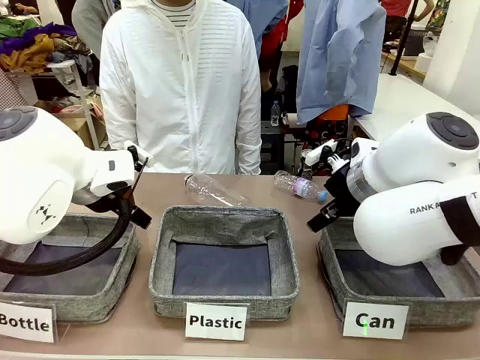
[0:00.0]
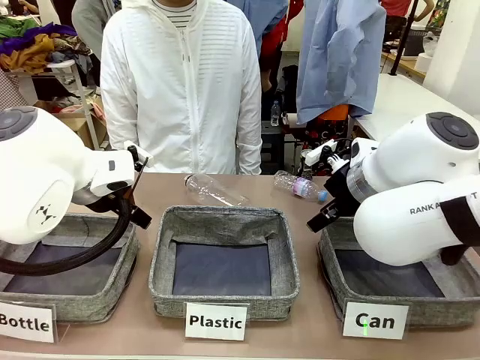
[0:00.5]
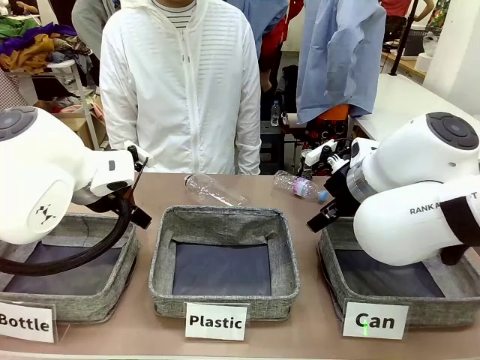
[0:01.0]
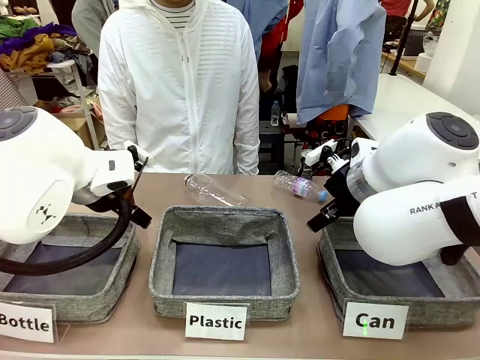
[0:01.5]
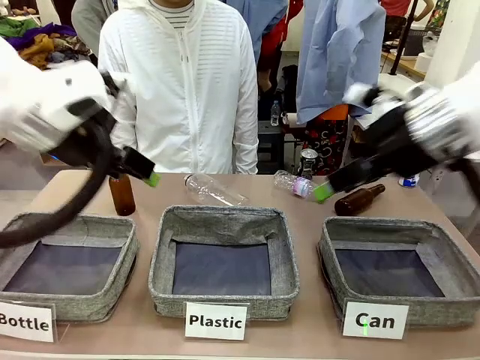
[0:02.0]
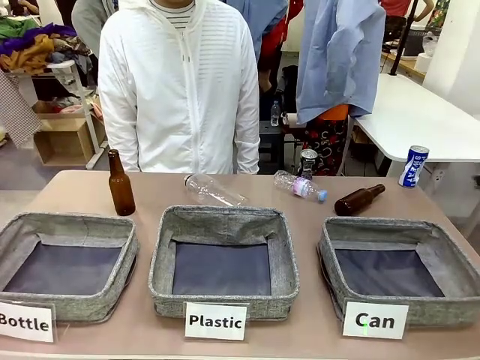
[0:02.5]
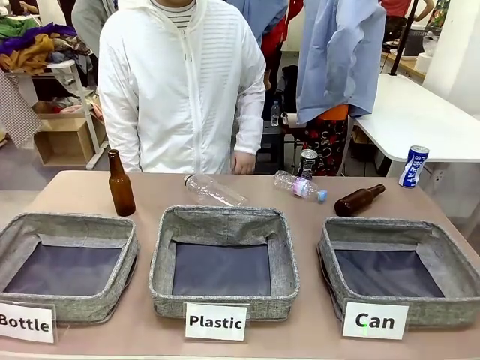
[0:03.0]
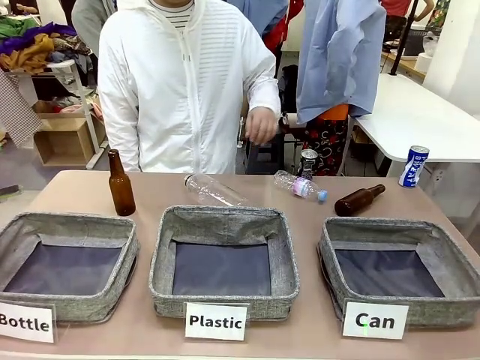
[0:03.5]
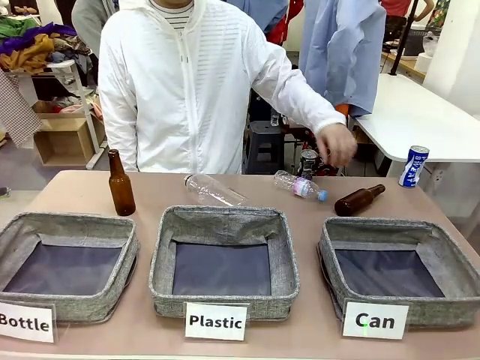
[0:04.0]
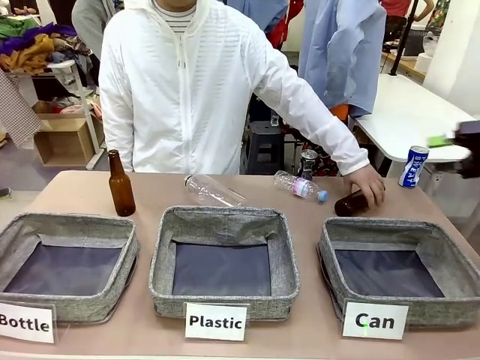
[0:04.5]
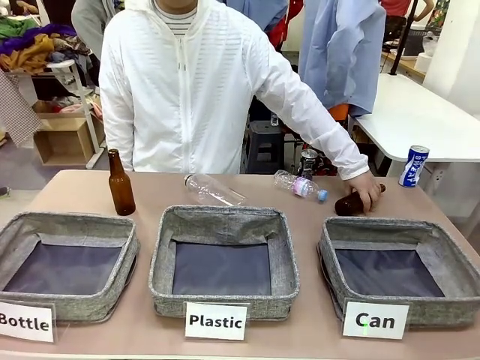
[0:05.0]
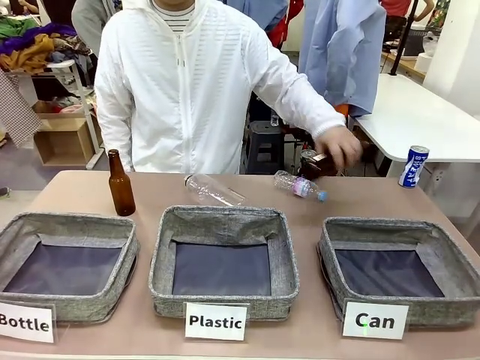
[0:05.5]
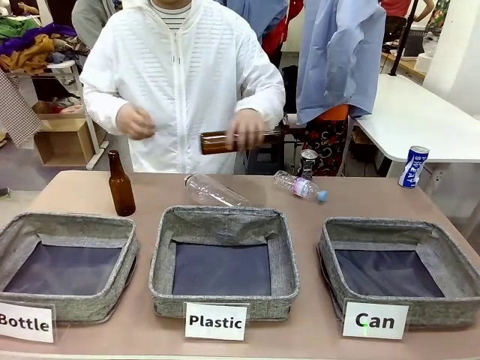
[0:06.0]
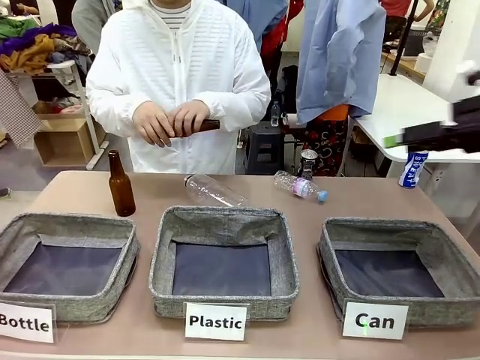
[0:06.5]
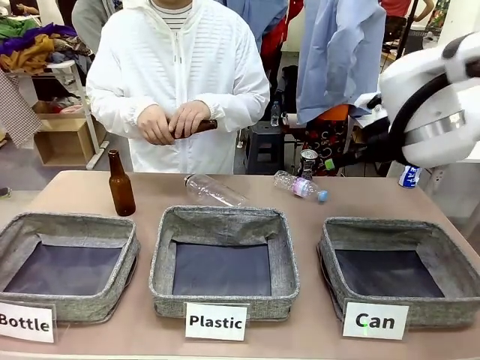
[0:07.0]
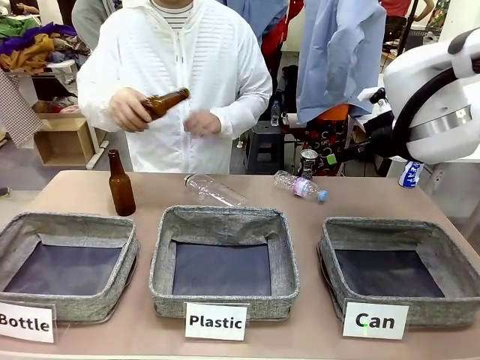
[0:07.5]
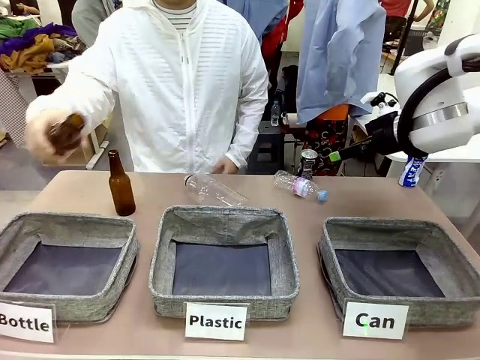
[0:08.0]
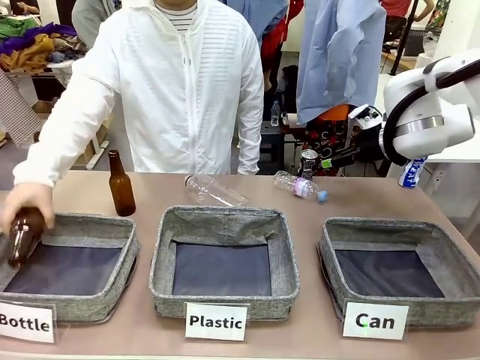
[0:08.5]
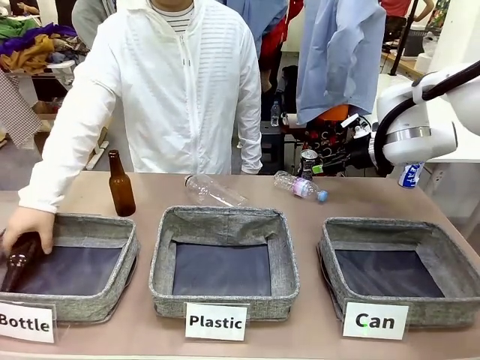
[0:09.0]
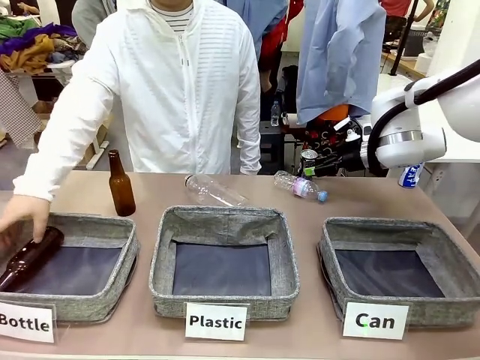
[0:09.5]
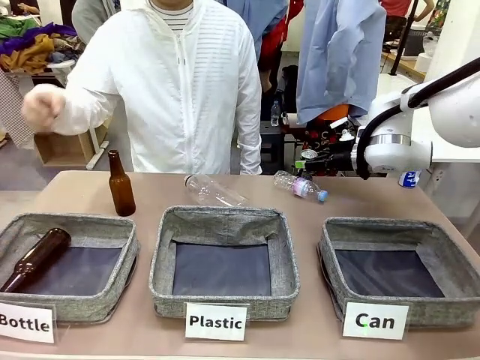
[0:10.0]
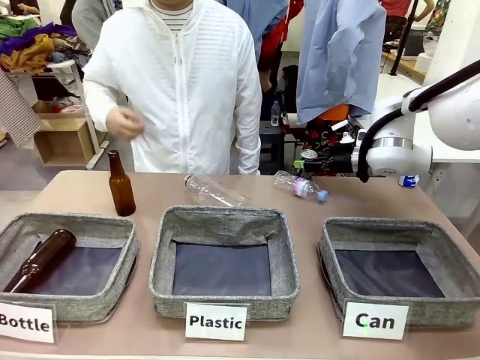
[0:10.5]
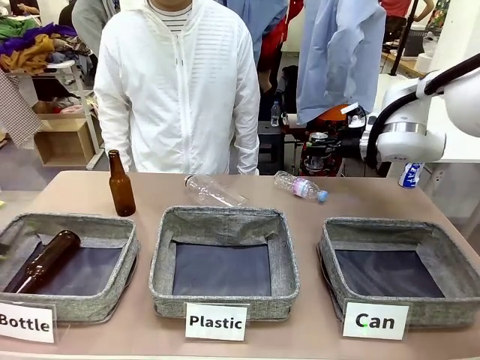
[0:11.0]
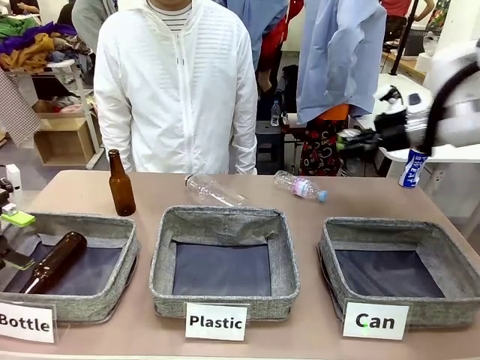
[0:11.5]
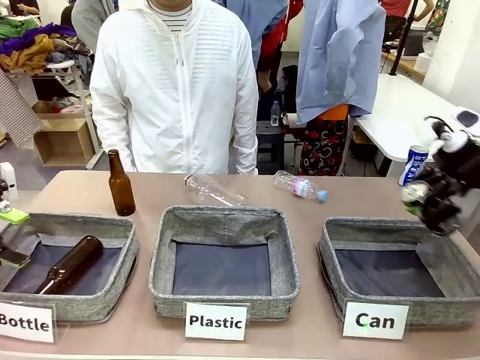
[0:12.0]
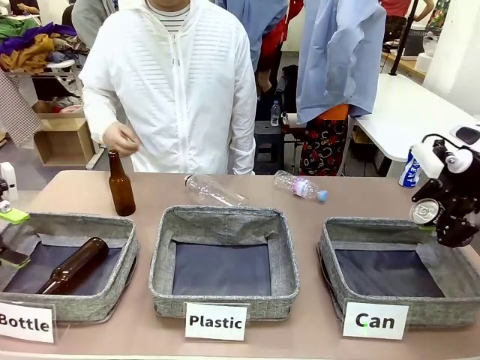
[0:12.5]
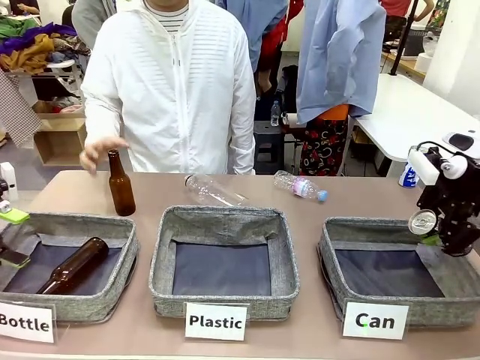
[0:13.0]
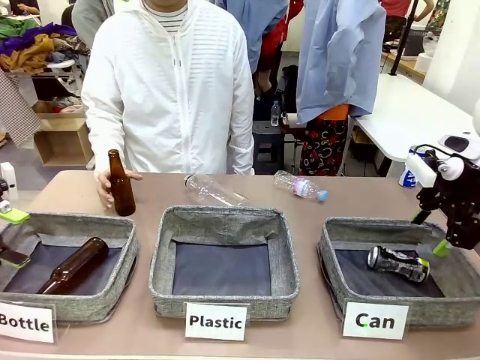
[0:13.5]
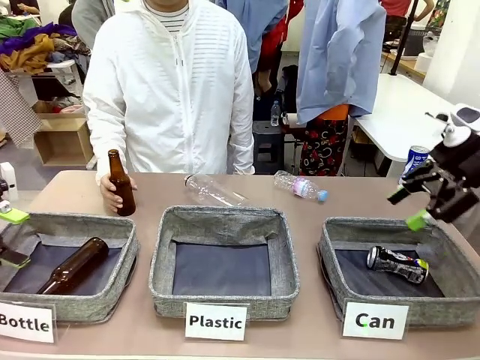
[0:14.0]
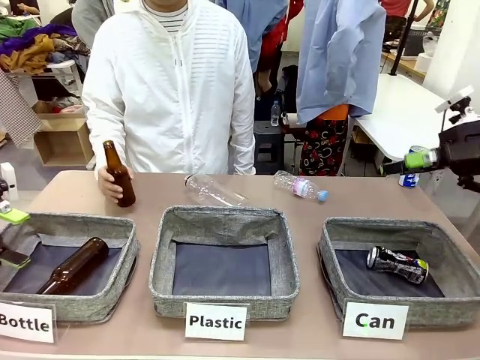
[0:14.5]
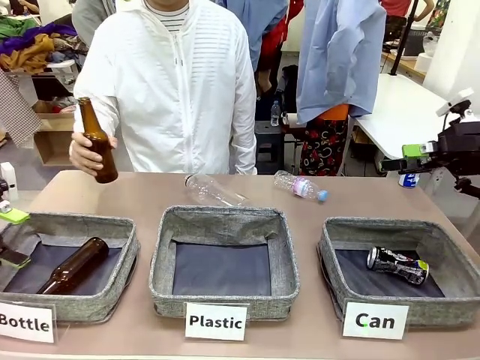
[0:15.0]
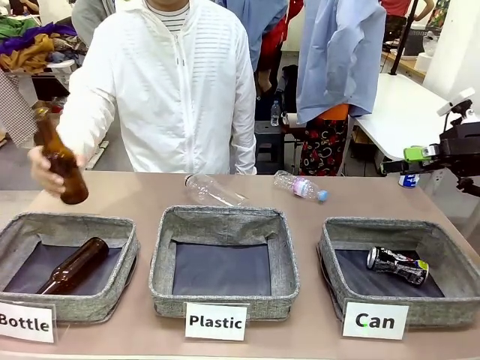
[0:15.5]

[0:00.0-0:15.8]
Task: Sort the can waste into the basket.
Robot: Pick up the can waste from the table and place it in the right Fabric basket.

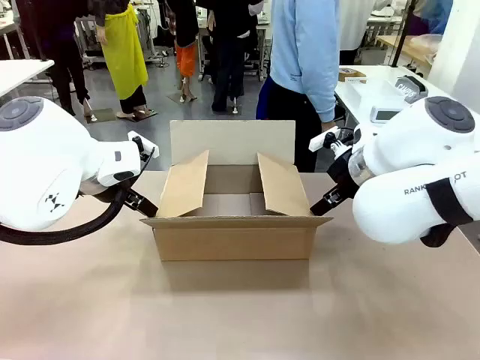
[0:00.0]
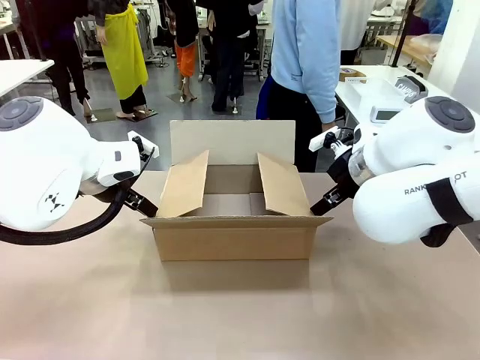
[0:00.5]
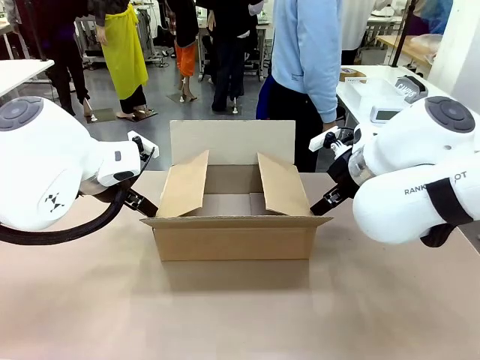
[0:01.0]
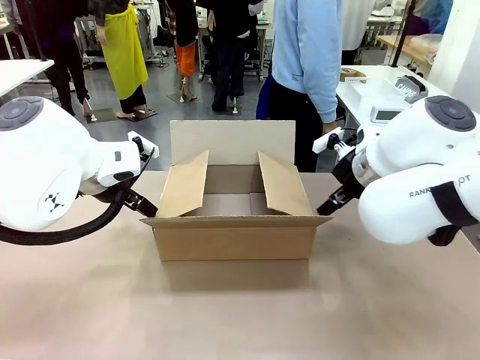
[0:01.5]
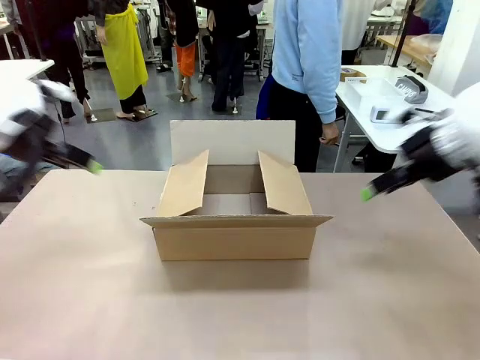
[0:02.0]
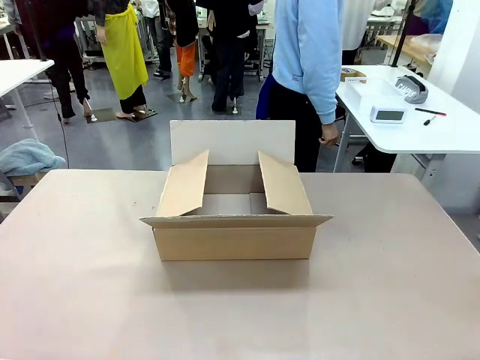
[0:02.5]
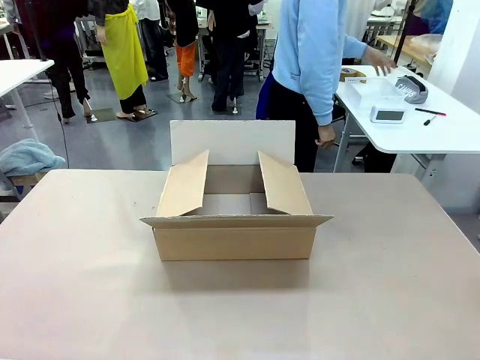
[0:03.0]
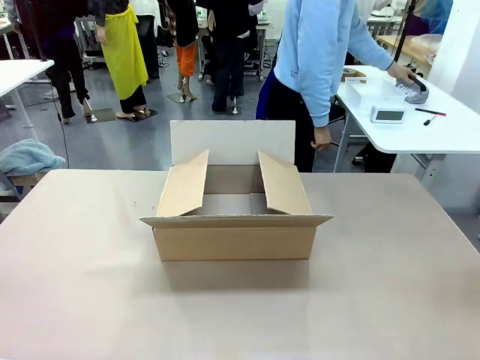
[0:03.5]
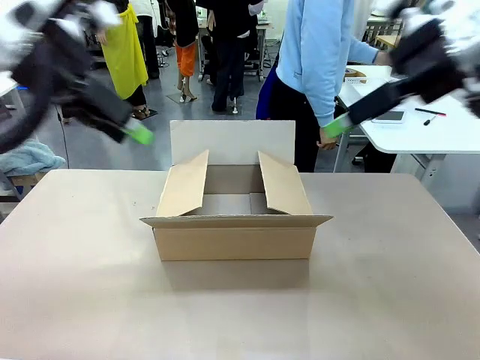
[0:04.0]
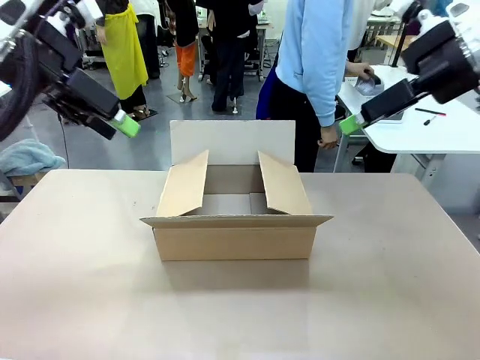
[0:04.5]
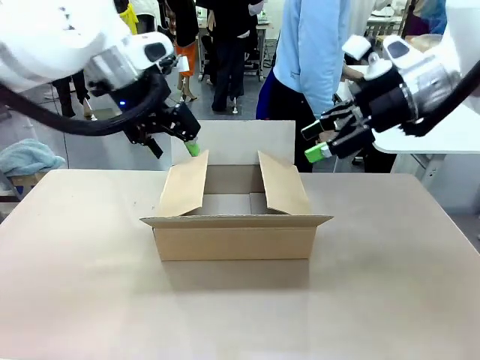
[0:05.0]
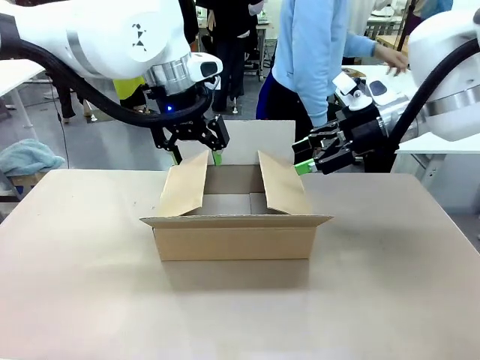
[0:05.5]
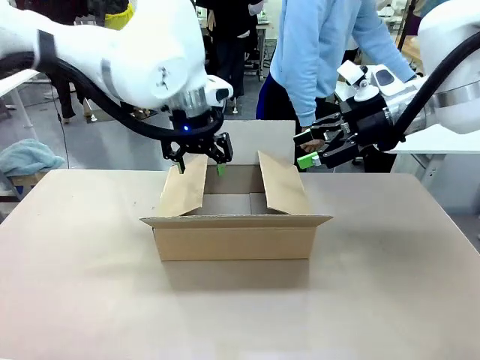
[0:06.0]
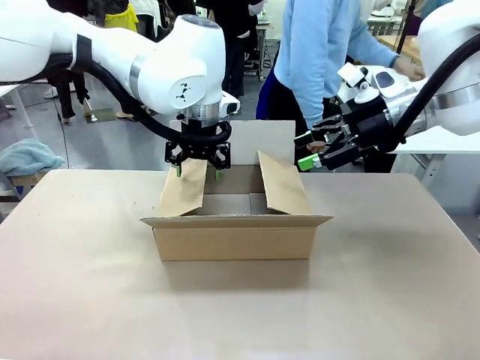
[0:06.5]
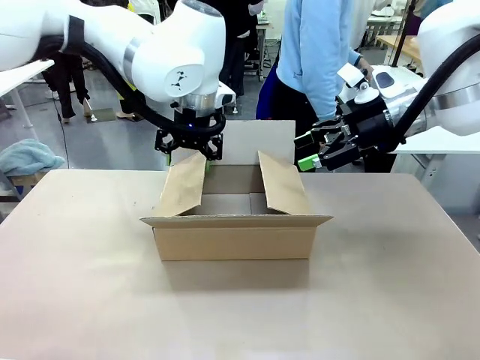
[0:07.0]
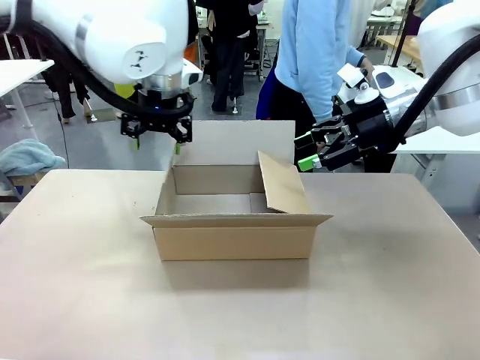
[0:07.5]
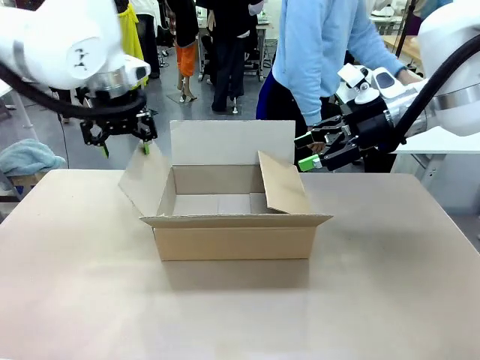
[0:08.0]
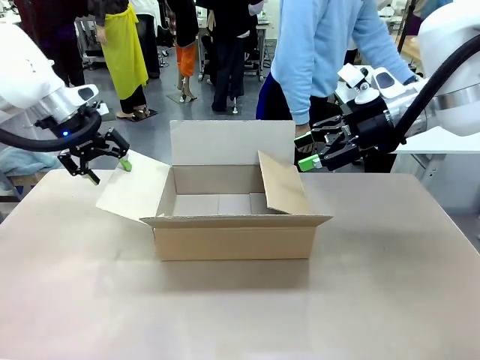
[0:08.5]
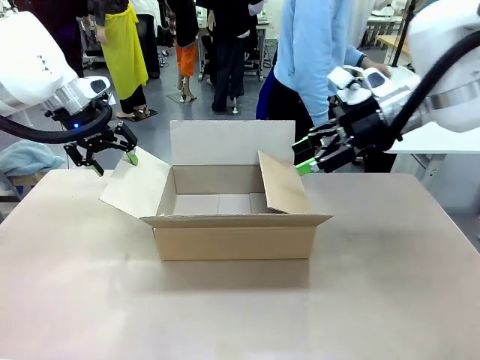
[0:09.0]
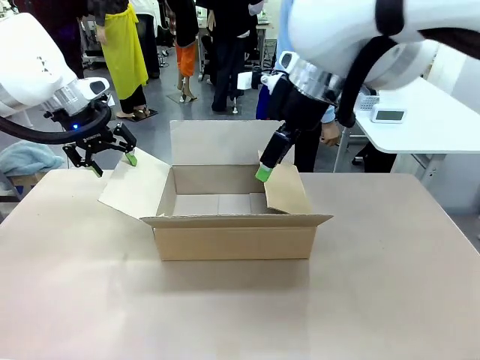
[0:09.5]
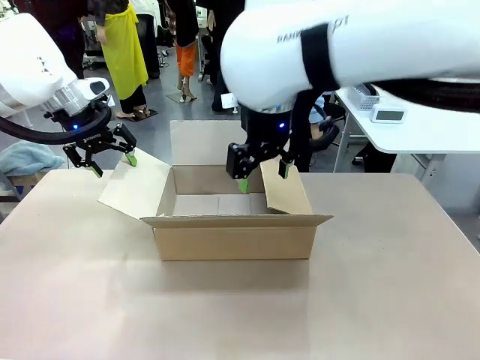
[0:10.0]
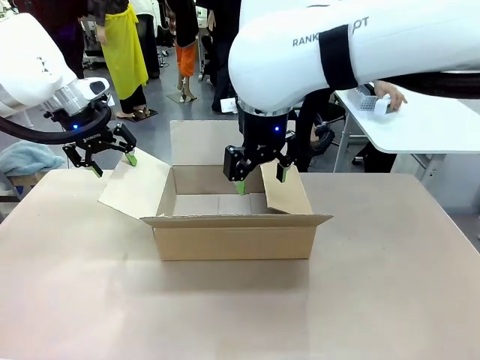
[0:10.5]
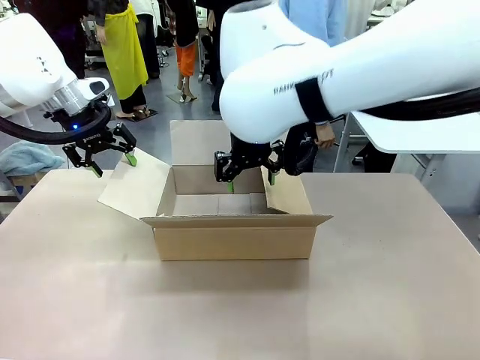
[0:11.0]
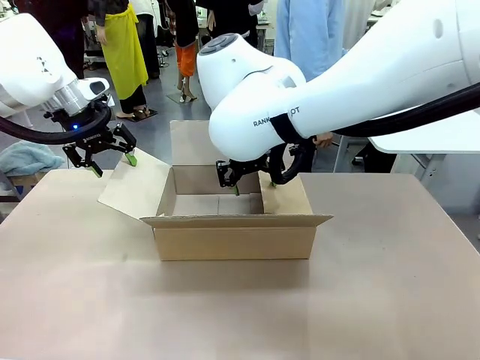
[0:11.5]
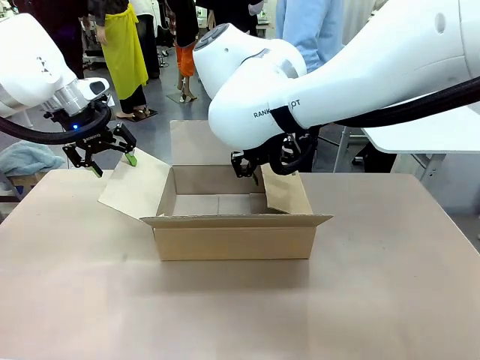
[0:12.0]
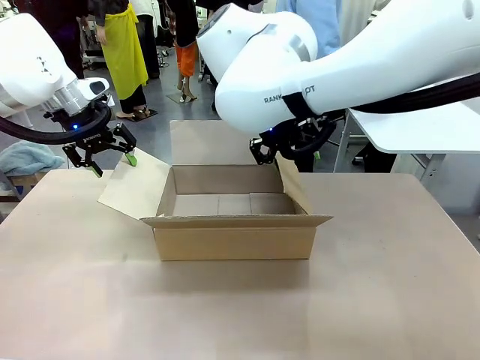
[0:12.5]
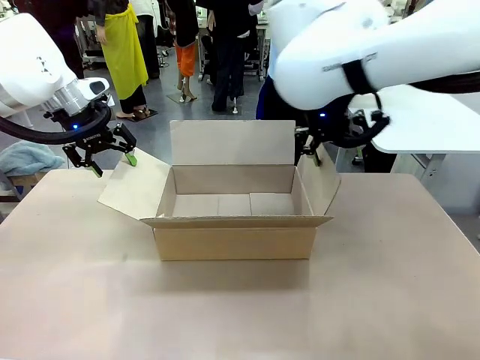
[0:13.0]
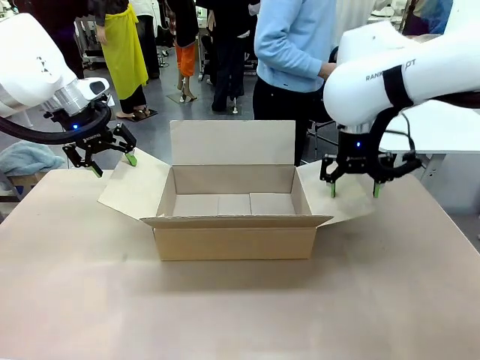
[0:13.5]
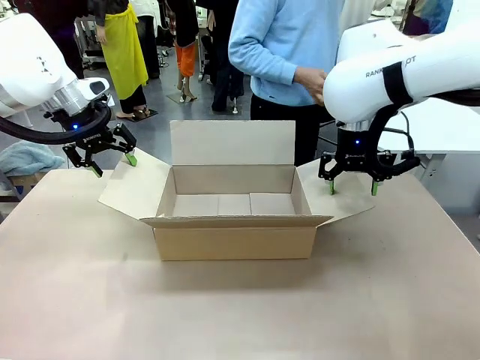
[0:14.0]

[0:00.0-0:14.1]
Task: Pack the gift set into the box.
Robot: Place both hands on the side flaps of the Package Box and spread them outward.
Person: The human places all items except the paper tape into the organizing basket.
